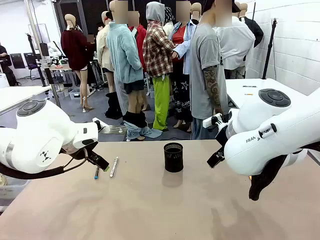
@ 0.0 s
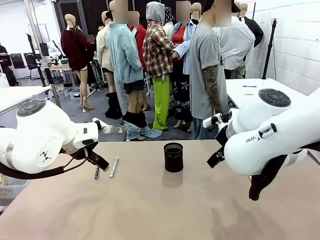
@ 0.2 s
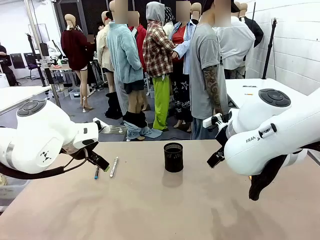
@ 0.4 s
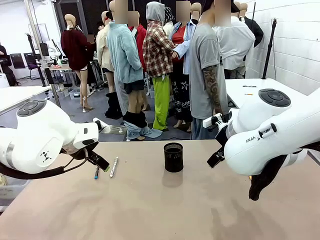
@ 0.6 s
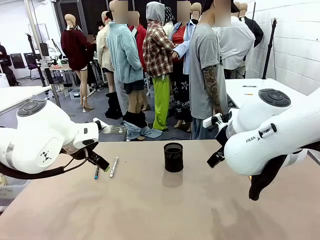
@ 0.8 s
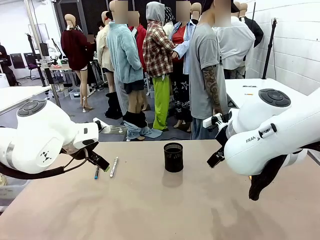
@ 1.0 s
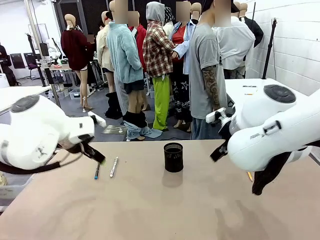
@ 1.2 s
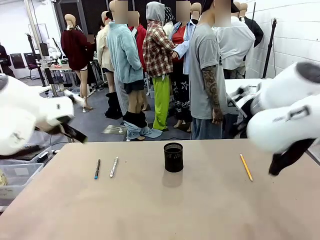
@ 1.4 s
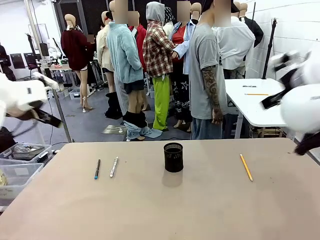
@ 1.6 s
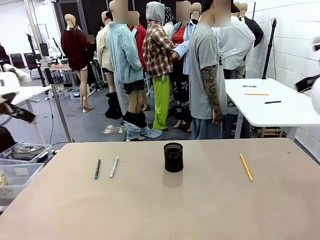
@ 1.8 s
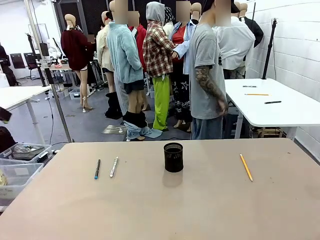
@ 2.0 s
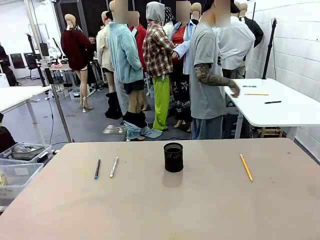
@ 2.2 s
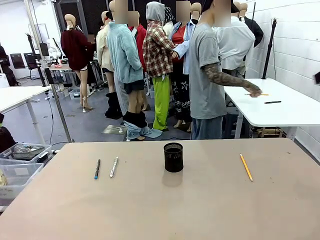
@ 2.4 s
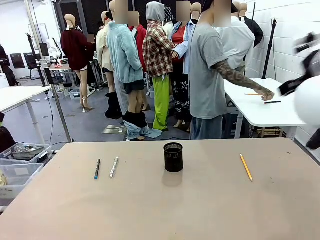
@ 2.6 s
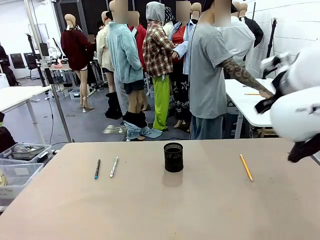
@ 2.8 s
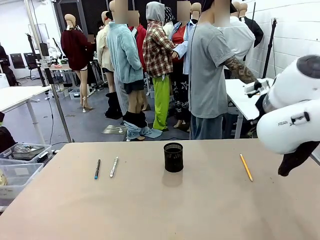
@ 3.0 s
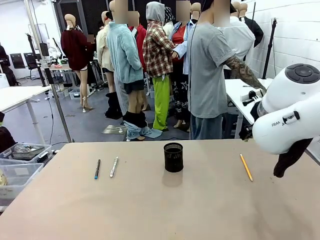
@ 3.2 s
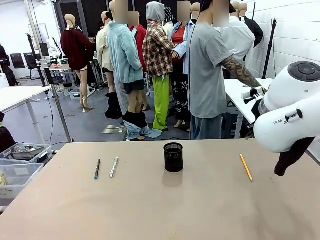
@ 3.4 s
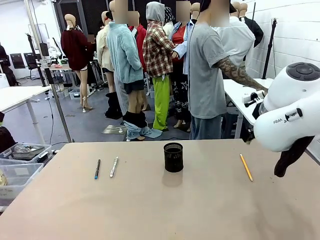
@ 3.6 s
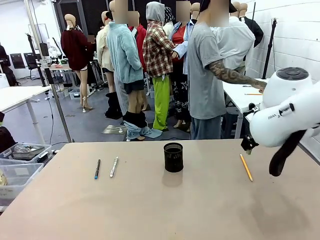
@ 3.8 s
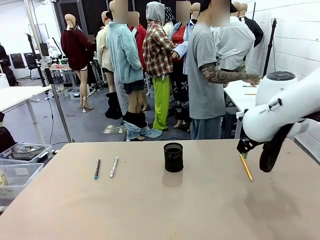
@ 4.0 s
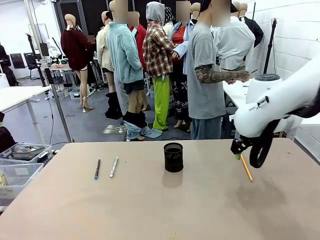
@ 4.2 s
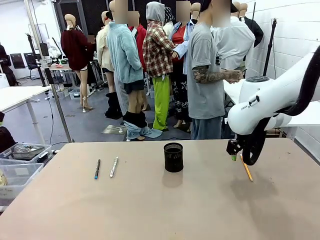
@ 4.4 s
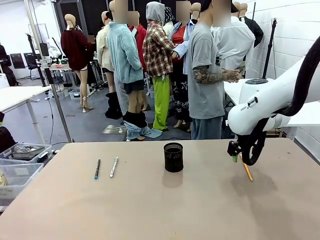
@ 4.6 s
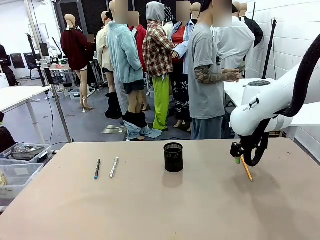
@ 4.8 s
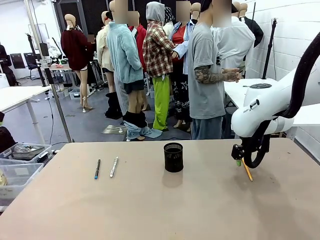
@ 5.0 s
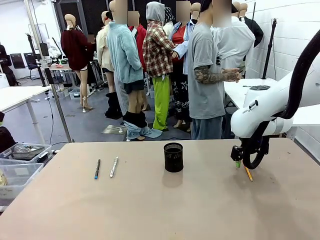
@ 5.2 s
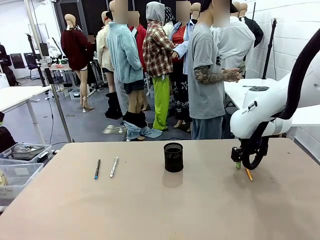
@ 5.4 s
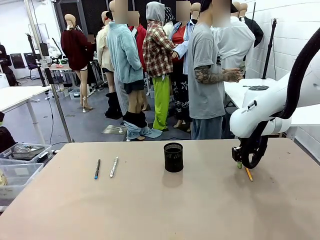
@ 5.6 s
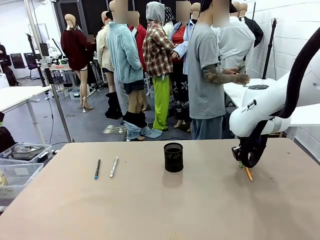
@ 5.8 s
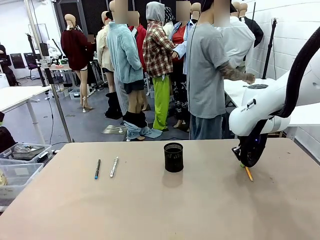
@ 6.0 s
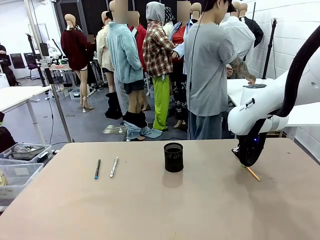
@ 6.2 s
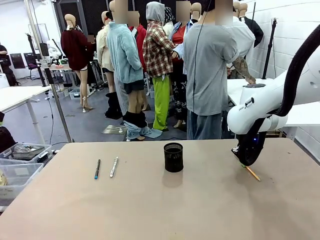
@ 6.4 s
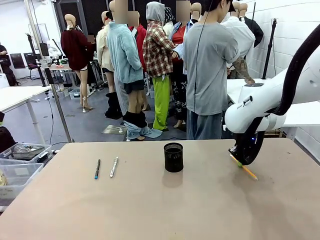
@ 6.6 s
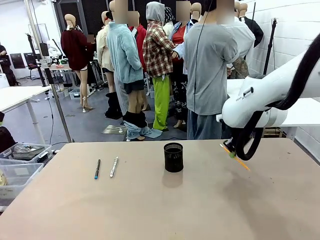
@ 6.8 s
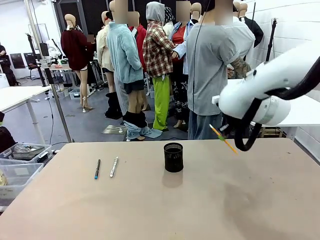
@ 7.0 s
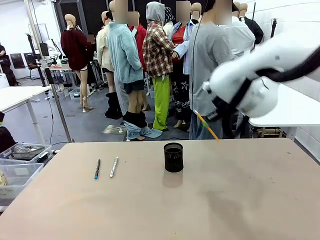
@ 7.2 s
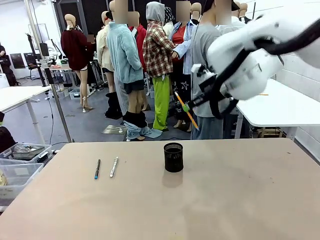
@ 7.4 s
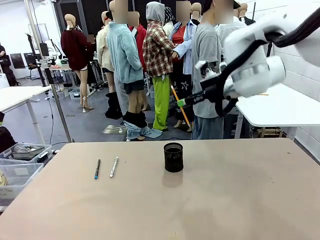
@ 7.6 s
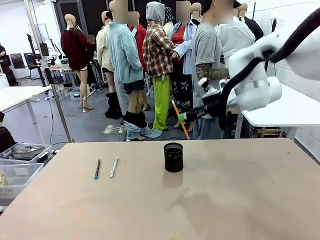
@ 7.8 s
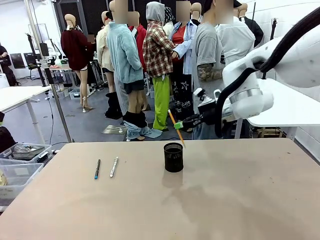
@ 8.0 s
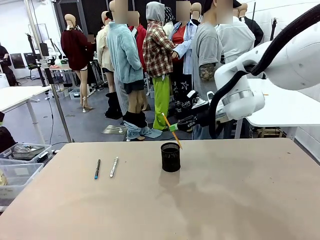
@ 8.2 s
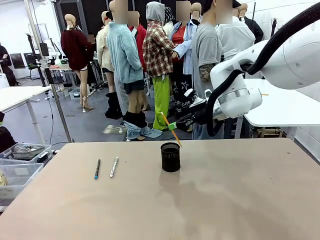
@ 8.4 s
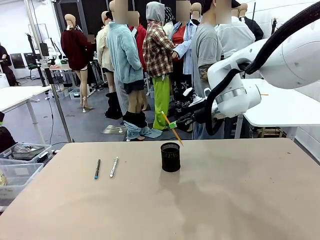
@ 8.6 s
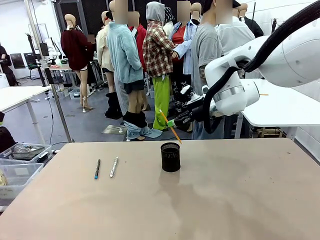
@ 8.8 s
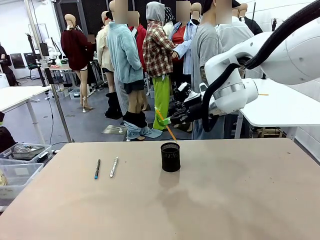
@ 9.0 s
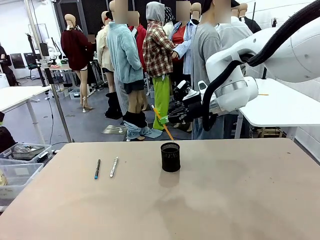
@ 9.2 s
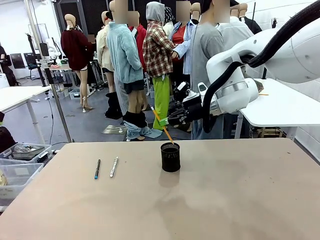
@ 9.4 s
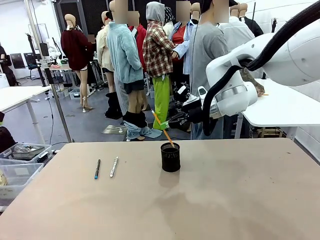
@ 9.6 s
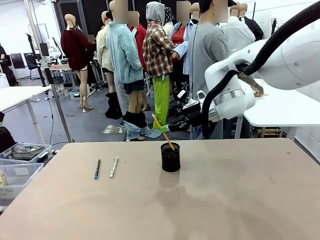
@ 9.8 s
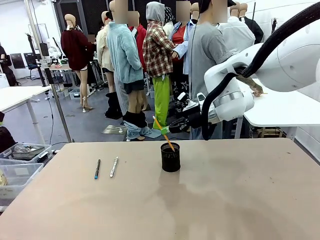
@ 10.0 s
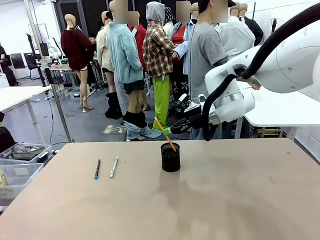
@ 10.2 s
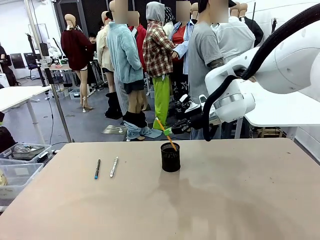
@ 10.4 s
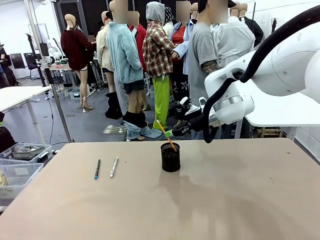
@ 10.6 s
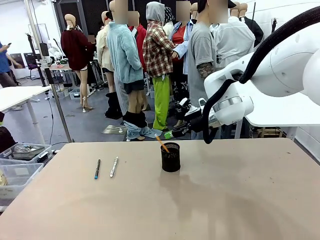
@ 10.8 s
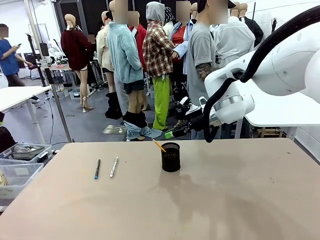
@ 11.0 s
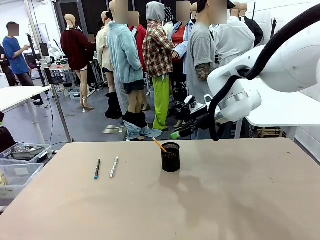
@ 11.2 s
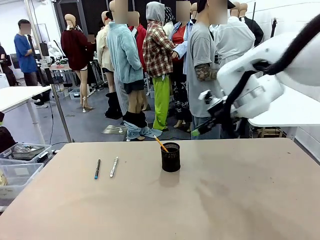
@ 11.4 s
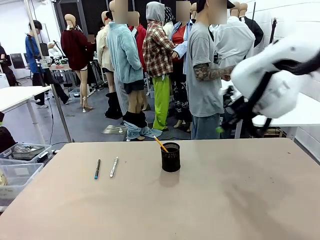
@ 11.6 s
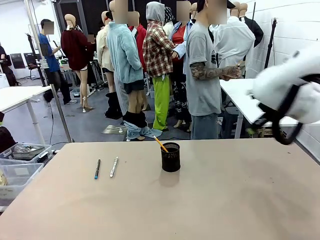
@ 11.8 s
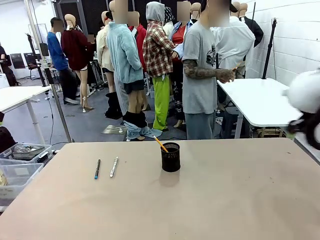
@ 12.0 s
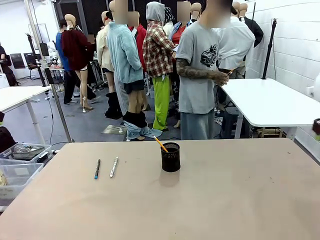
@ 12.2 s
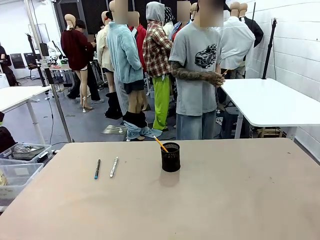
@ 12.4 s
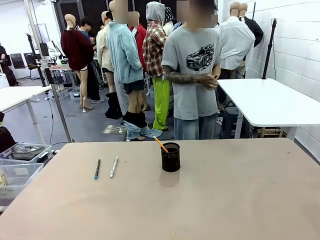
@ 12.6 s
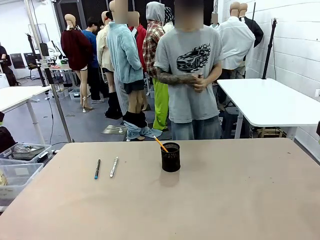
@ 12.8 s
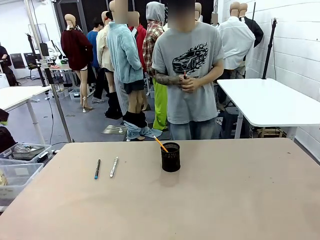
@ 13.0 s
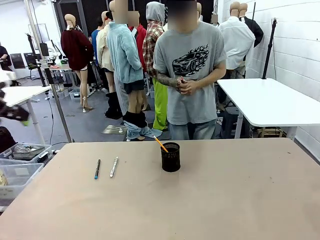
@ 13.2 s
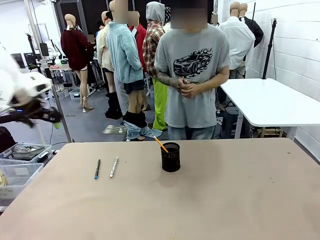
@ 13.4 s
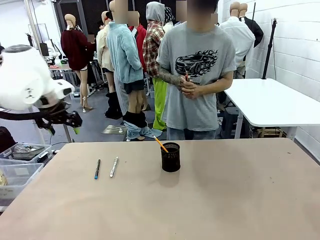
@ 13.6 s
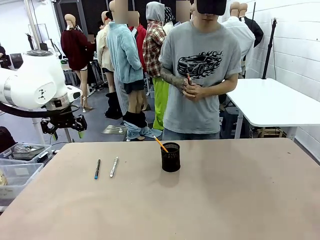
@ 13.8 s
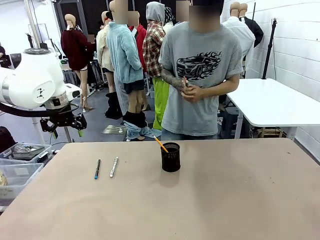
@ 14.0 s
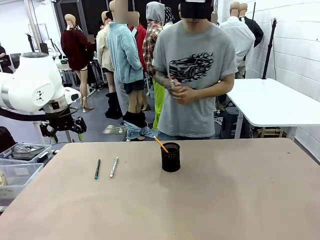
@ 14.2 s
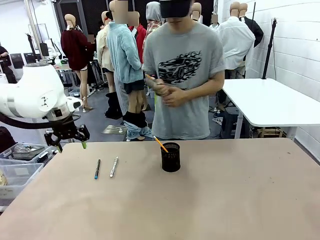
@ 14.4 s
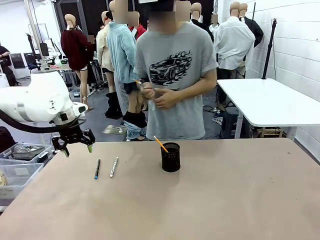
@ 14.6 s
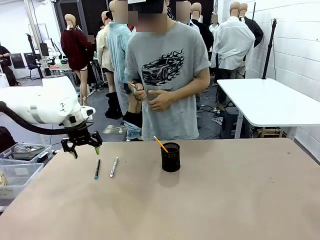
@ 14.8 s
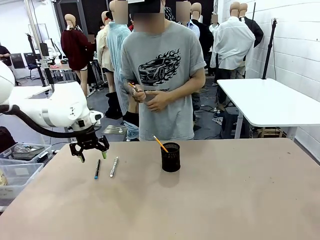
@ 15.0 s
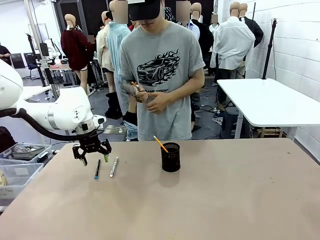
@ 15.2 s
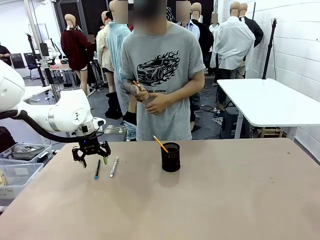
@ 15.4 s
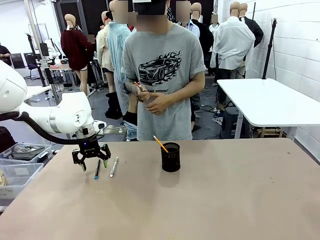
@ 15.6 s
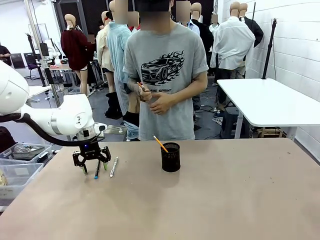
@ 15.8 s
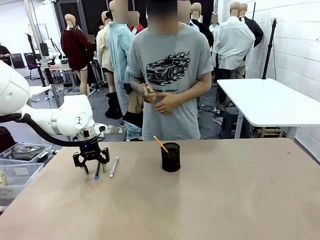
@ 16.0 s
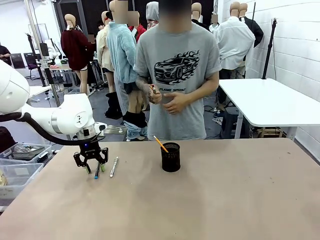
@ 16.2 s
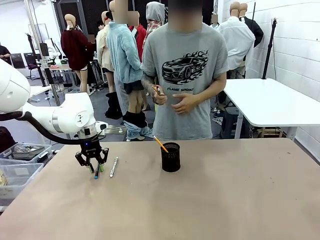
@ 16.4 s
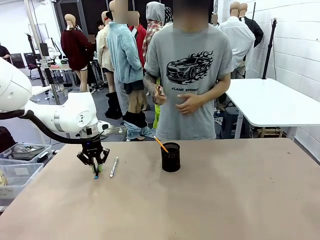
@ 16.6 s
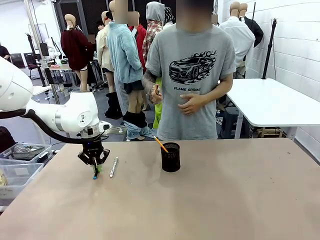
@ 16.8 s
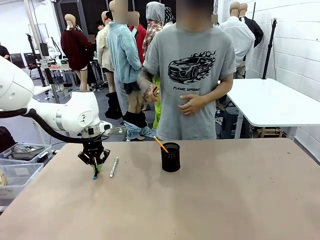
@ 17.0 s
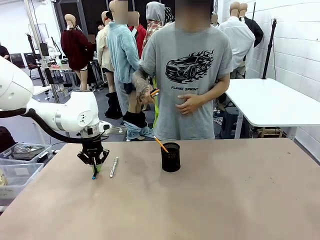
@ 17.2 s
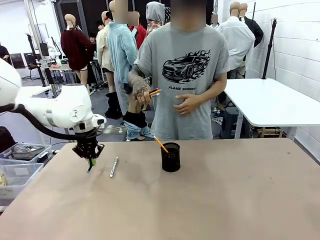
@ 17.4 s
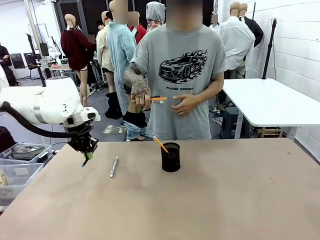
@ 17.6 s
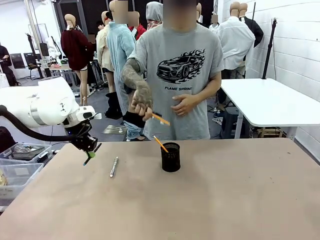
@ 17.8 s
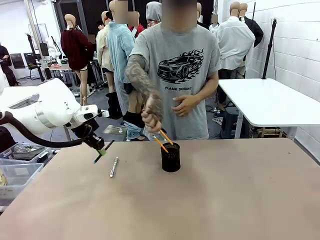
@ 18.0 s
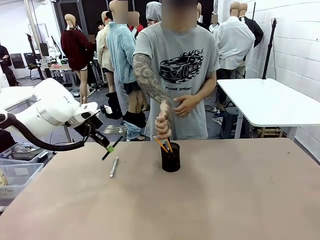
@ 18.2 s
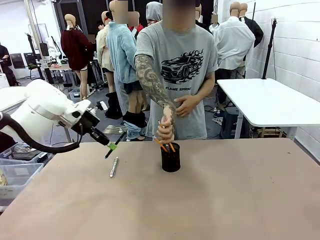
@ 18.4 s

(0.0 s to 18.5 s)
Task: Place the pens into the pen holder.
Robot: Pick up a writing instrument from the table and place it into the Pen holder.
Person: Pick up all writing instruments from the Human table.
